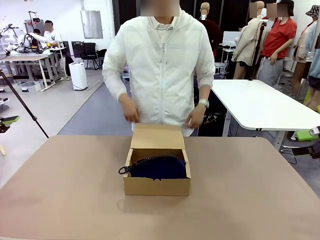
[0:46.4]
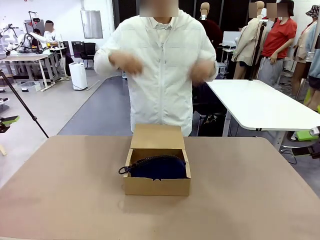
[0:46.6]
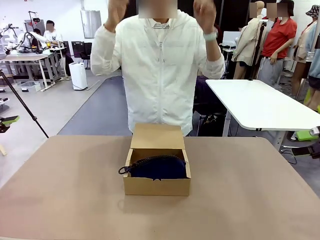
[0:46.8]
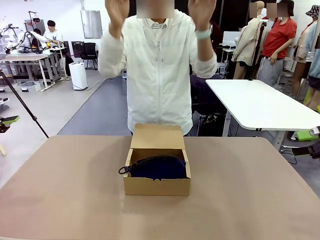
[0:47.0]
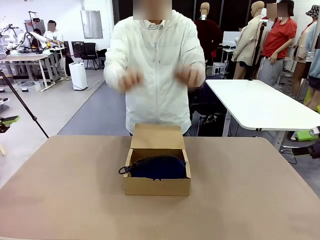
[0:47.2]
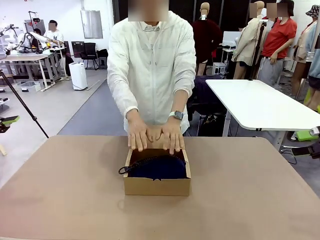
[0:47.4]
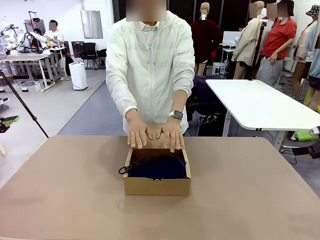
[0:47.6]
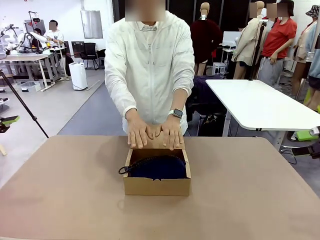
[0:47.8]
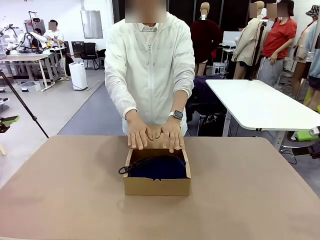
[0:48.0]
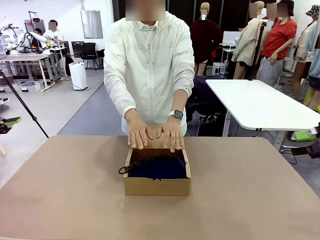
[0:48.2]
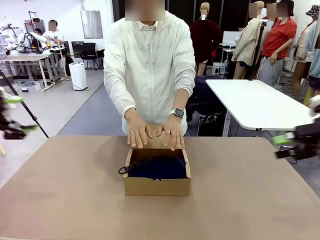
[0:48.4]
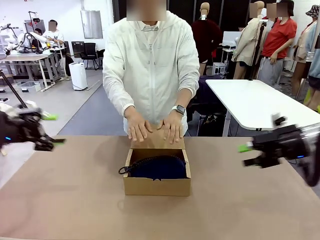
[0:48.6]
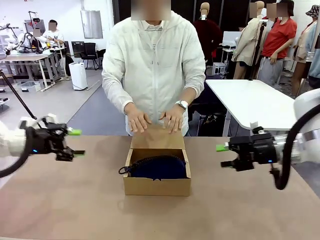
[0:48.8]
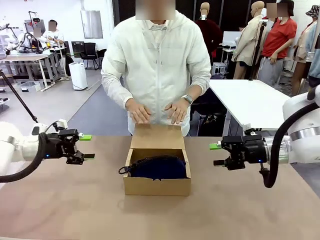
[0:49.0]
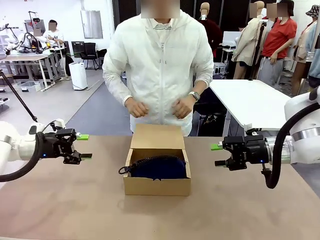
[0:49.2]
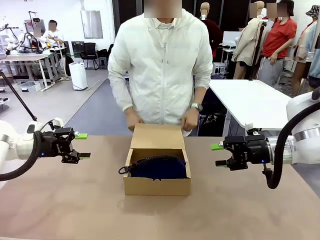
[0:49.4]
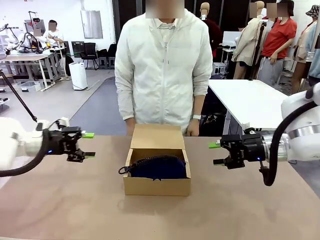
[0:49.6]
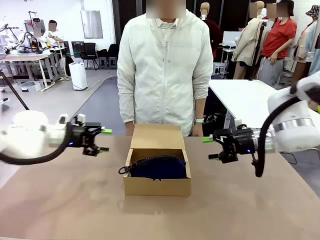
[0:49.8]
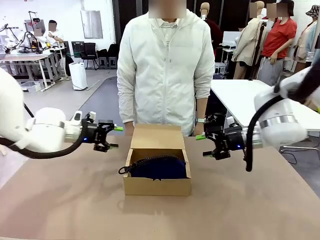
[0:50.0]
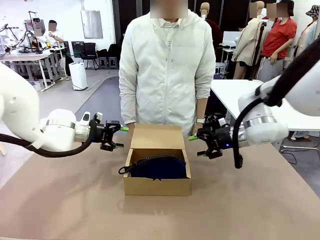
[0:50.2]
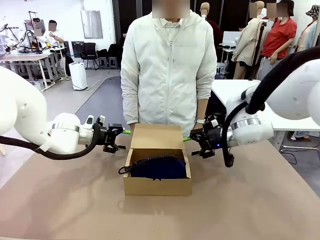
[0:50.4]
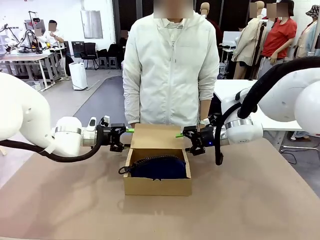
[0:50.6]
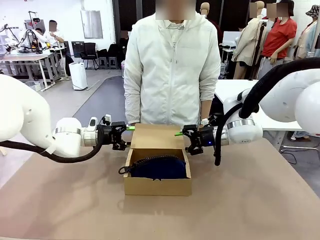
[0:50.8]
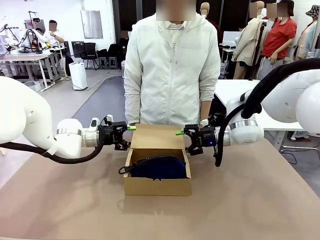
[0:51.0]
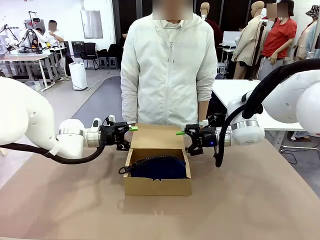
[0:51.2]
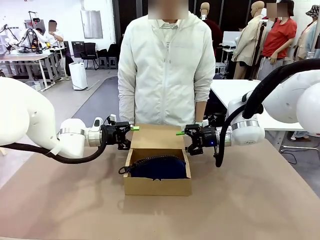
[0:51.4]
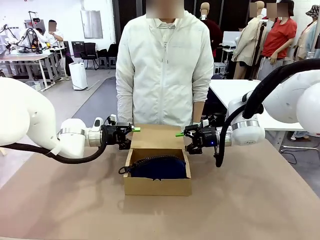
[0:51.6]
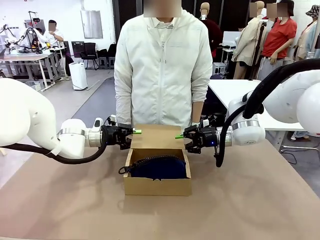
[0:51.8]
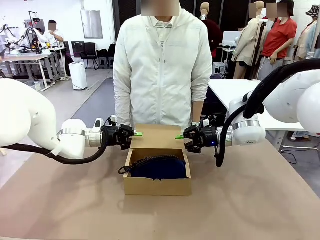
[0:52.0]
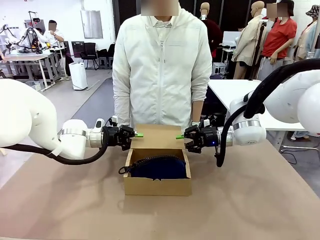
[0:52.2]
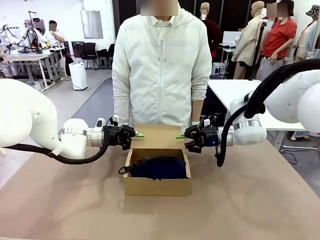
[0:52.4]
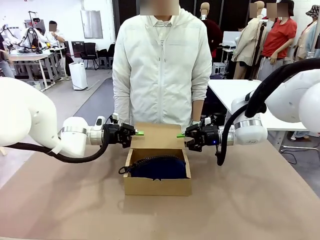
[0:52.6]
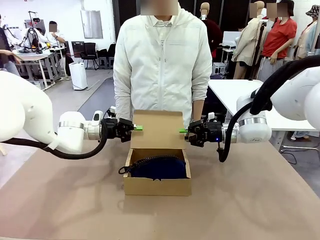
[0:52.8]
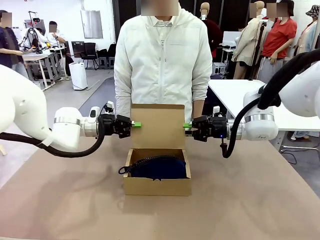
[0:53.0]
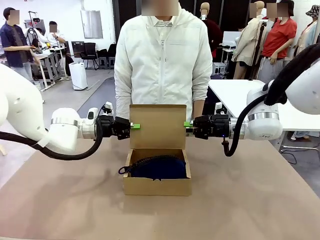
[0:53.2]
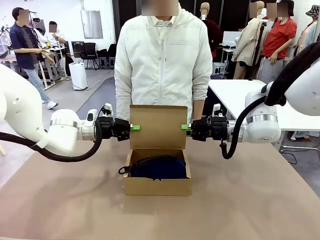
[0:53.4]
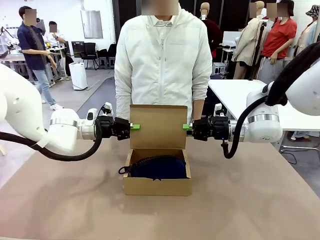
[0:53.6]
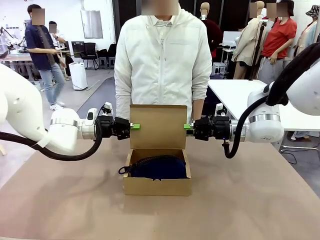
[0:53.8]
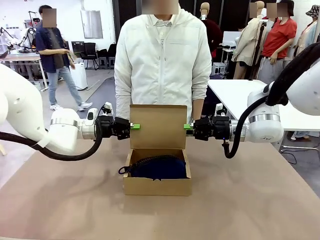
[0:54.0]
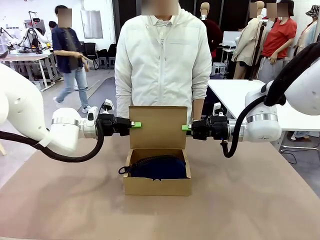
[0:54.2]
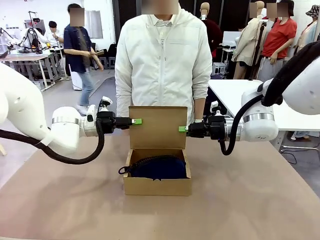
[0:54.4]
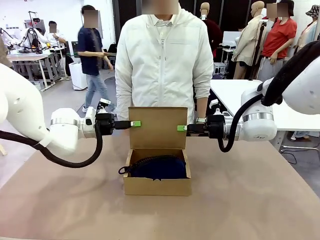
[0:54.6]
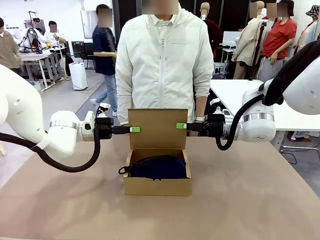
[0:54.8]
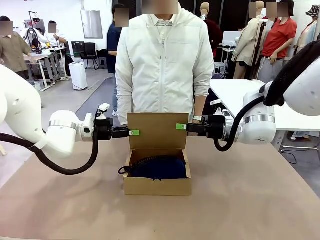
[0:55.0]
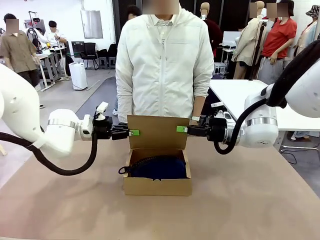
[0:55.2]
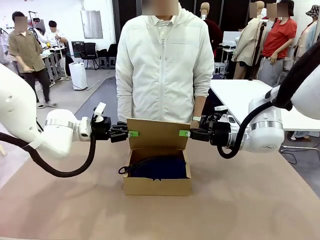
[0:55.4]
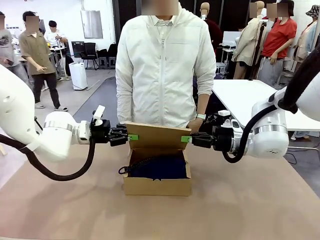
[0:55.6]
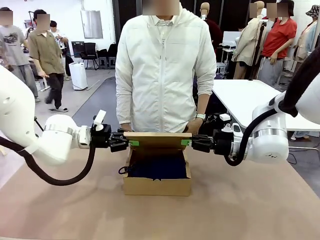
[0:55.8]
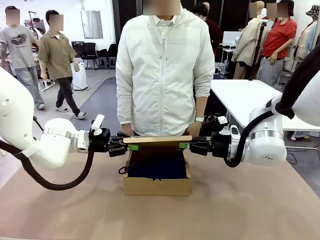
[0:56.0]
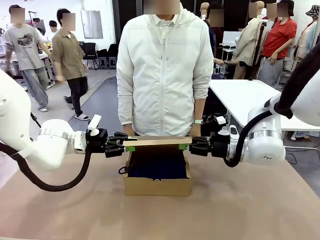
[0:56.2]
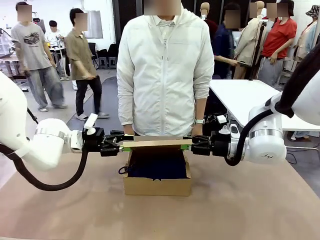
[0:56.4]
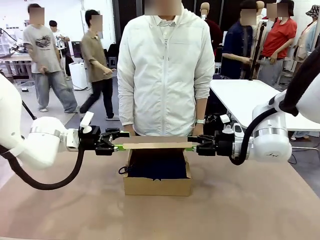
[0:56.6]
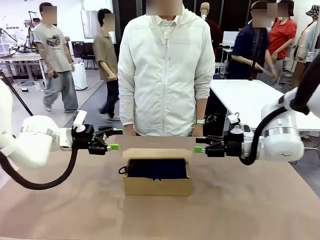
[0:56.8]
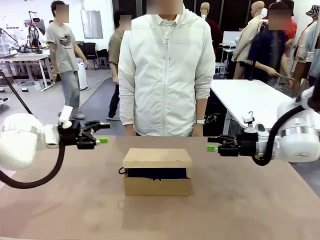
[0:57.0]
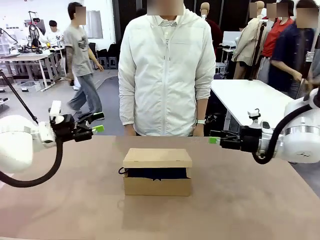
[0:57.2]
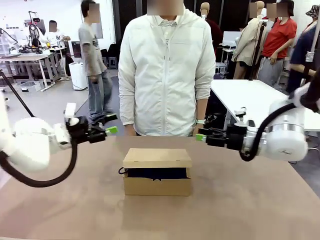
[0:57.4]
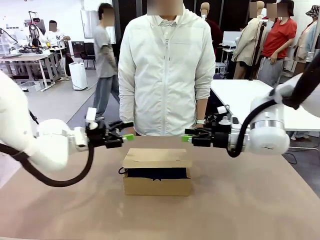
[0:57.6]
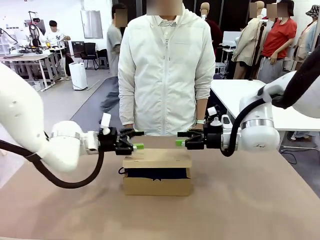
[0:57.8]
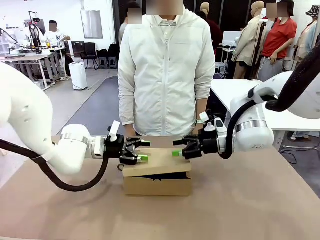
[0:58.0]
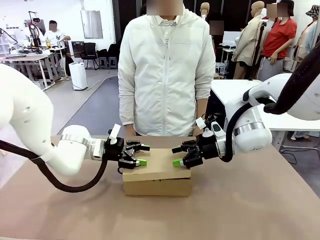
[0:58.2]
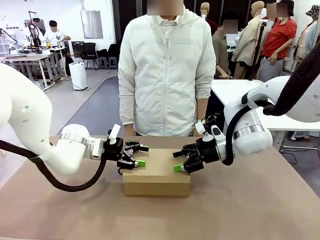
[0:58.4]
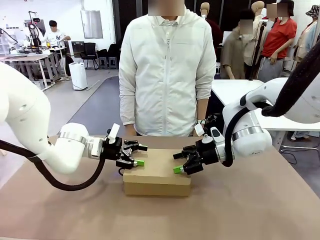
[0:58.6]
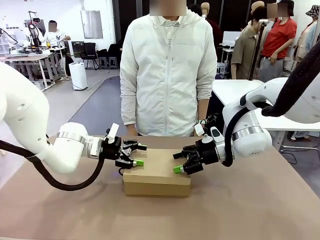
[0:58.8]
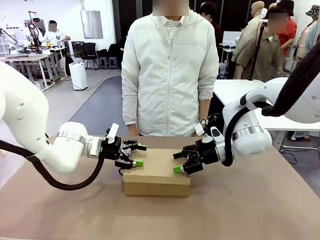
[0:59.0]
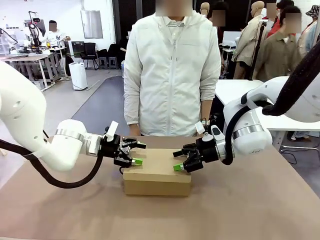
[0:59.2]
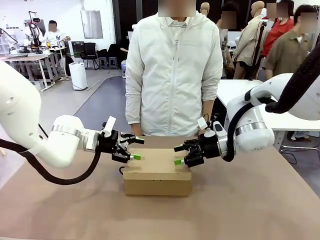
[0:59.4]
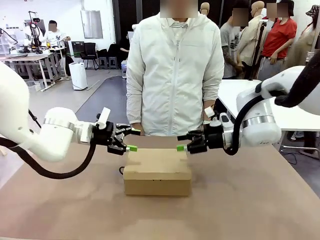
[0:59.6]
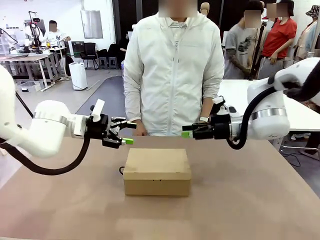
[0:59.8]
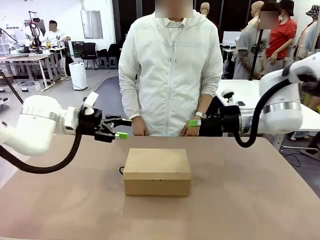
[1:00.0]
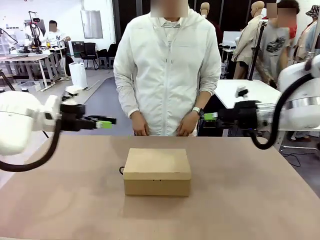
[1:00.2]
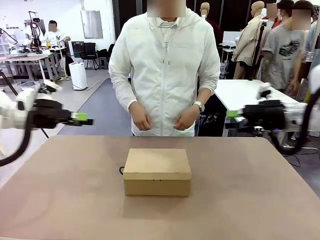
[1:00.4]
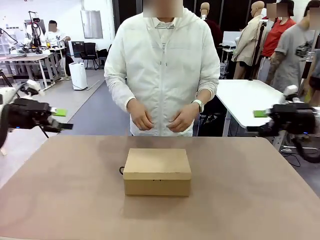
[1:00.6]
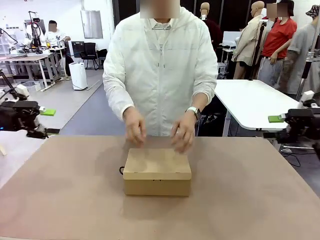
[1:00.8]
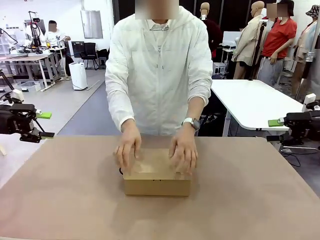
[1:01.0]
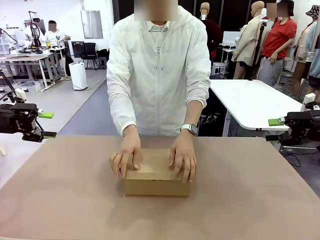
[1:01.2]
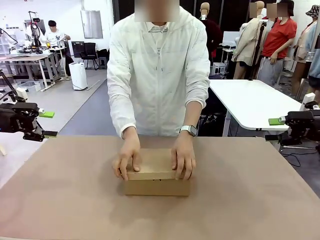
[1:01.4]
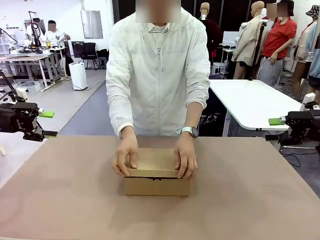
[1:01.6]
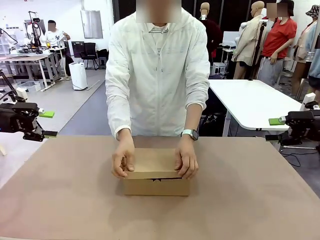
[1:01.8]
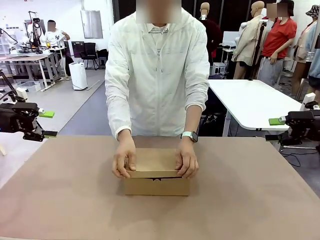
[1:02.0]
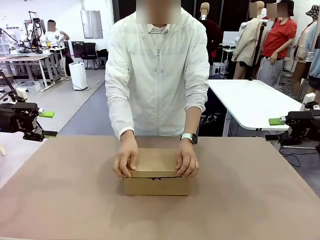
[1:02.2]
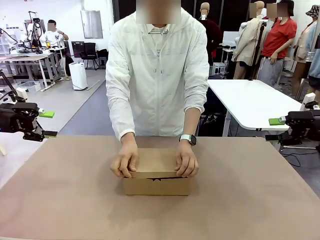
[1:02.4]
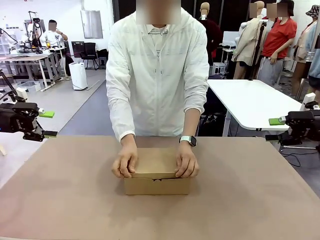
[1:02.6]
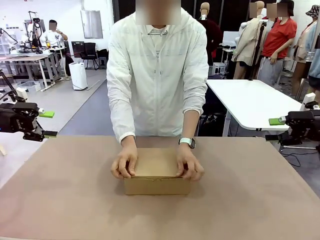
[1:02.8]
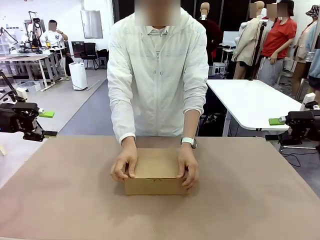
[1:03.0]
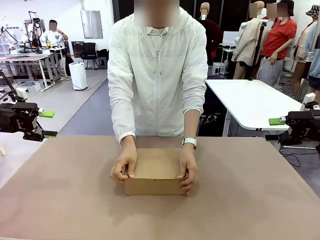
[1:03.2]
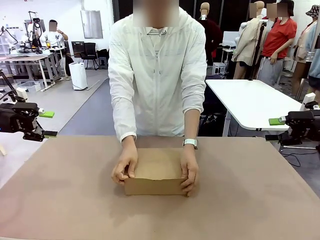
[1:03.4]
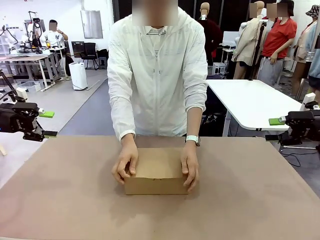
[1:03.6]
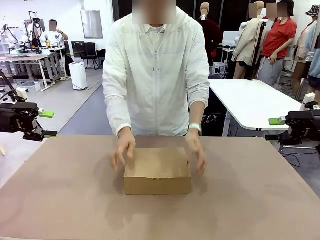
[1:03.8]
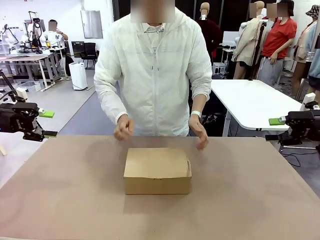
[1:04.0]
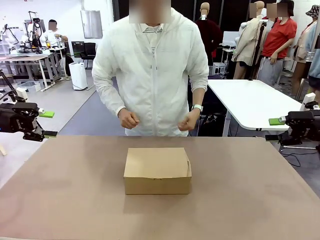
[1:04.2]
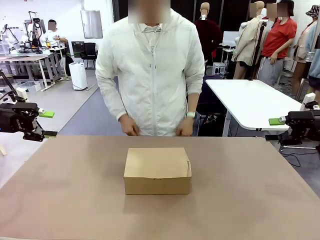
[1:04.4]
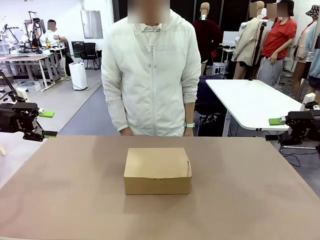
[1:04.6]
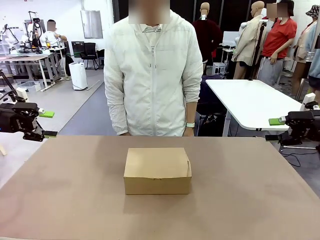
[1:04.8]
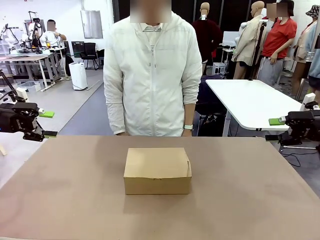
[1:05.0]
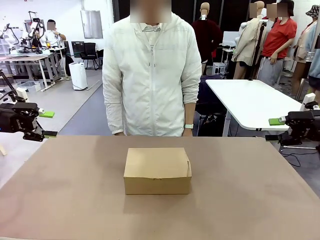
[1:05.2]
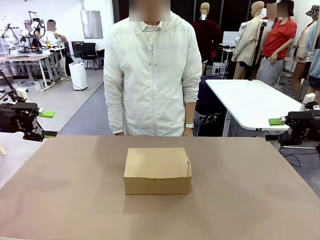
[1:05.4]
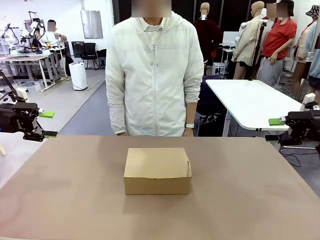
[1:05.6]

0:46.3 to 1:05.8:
Task: Pack the items into the box.
Robot: Close the Mailer Box.
Person: Turn the box and lock it.
